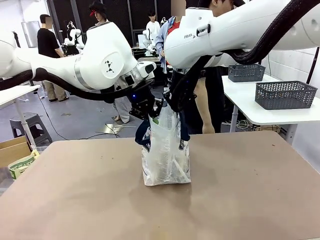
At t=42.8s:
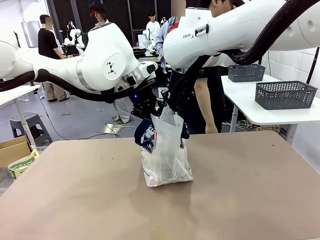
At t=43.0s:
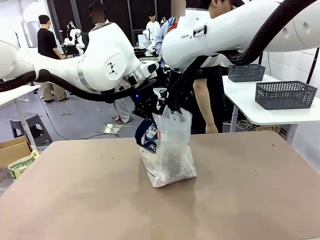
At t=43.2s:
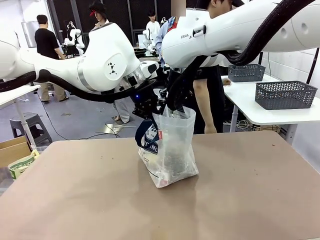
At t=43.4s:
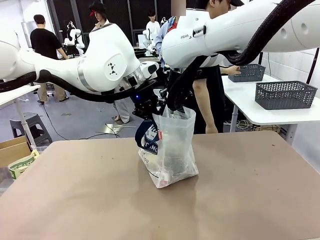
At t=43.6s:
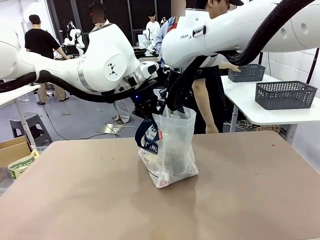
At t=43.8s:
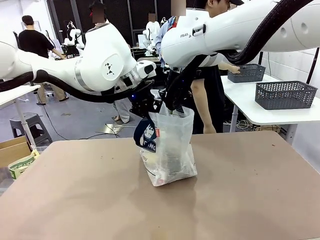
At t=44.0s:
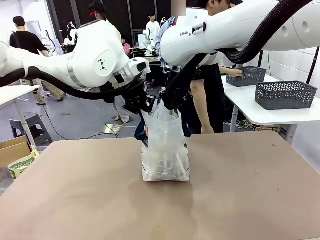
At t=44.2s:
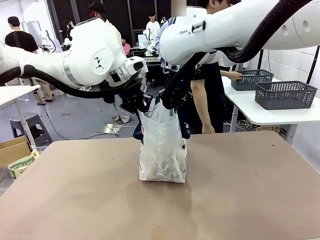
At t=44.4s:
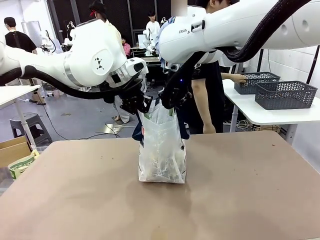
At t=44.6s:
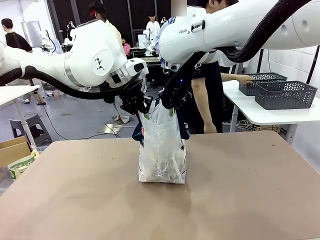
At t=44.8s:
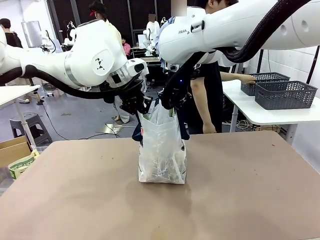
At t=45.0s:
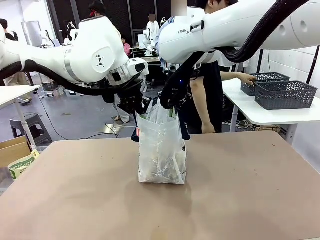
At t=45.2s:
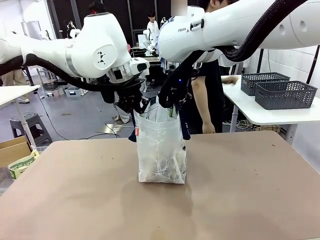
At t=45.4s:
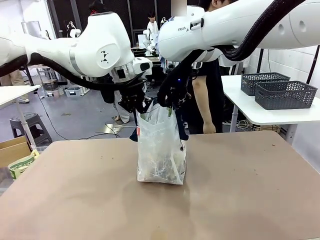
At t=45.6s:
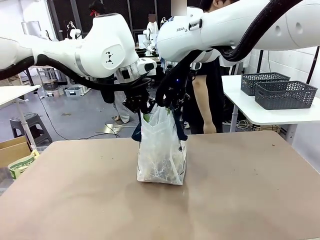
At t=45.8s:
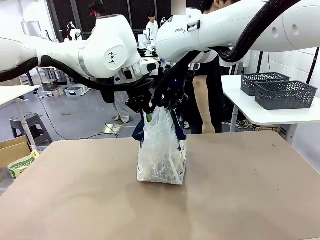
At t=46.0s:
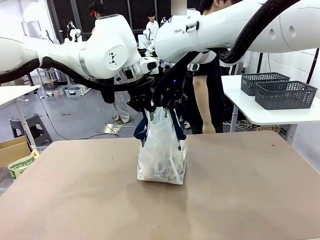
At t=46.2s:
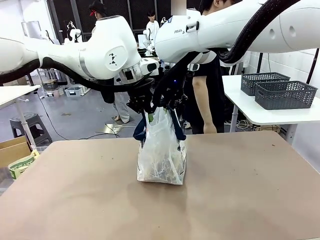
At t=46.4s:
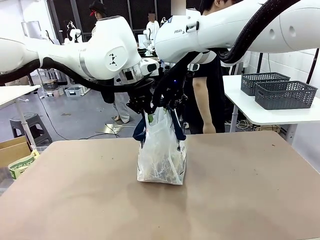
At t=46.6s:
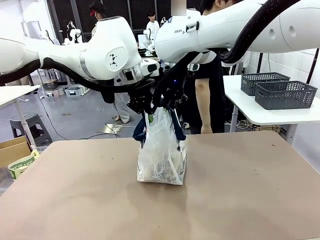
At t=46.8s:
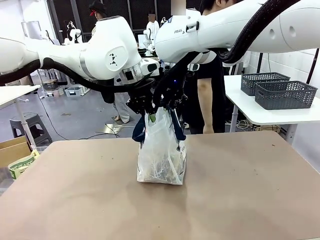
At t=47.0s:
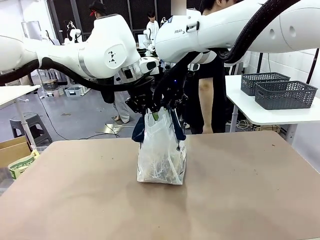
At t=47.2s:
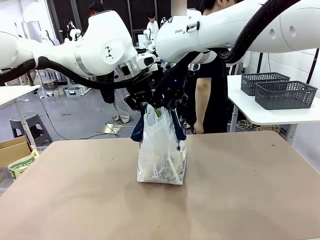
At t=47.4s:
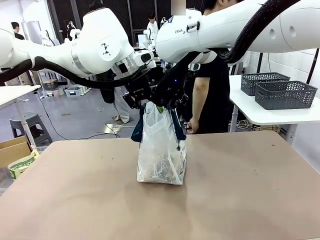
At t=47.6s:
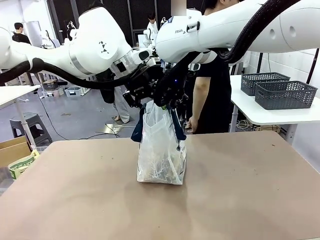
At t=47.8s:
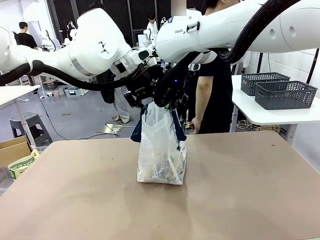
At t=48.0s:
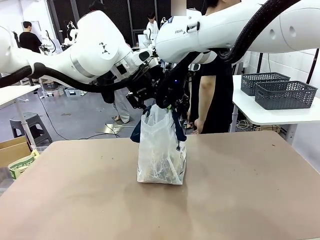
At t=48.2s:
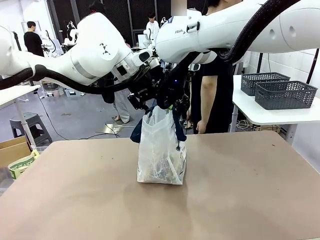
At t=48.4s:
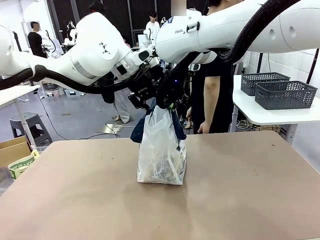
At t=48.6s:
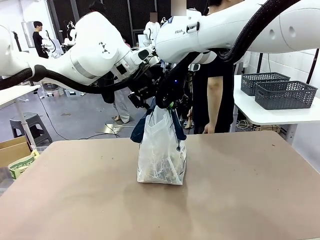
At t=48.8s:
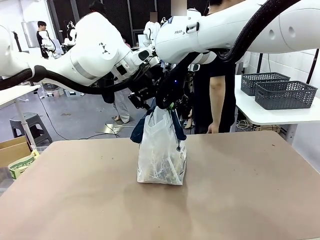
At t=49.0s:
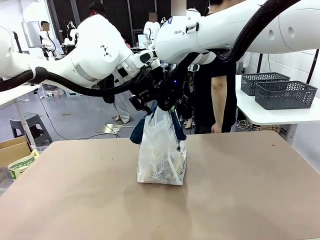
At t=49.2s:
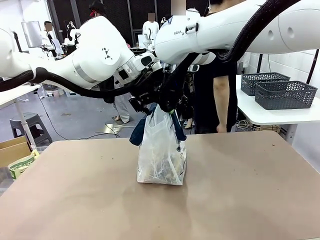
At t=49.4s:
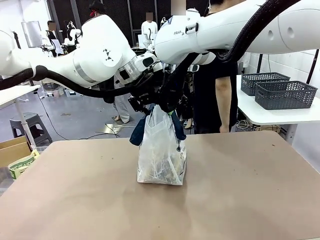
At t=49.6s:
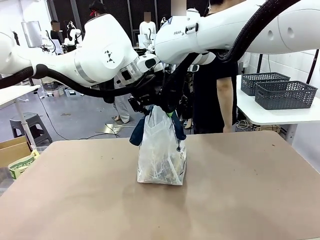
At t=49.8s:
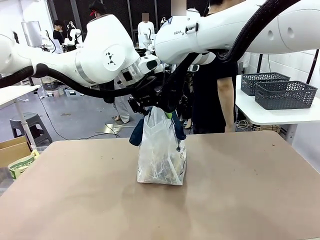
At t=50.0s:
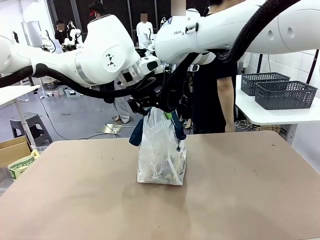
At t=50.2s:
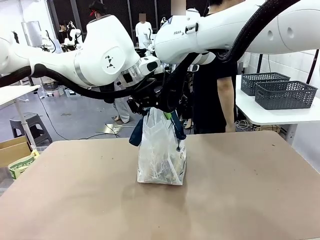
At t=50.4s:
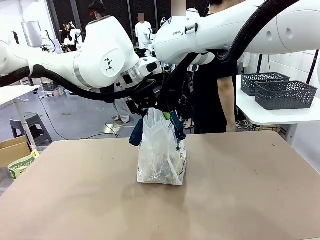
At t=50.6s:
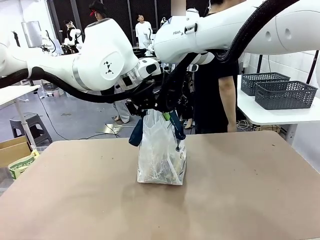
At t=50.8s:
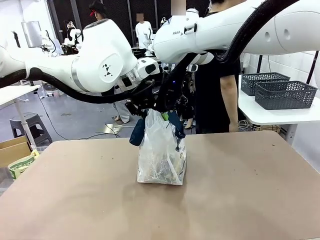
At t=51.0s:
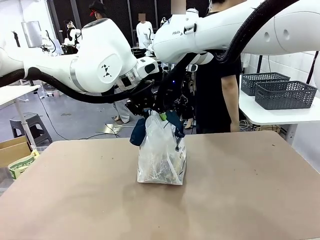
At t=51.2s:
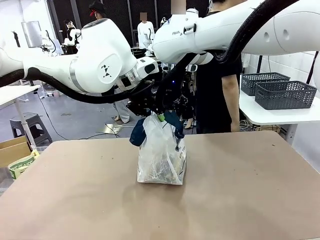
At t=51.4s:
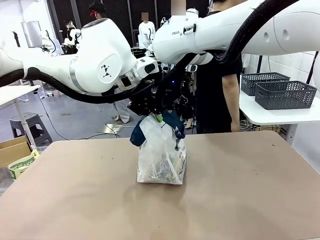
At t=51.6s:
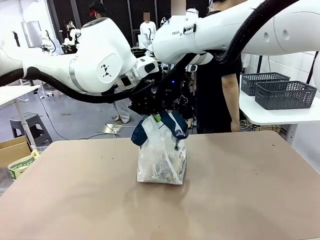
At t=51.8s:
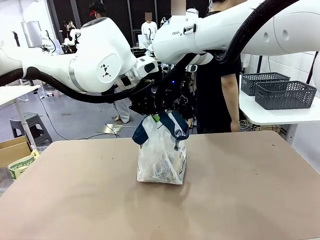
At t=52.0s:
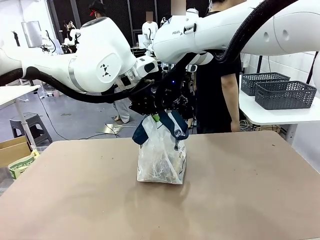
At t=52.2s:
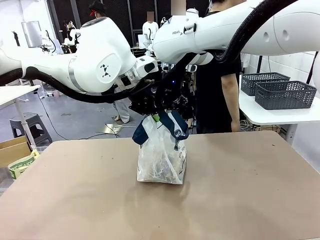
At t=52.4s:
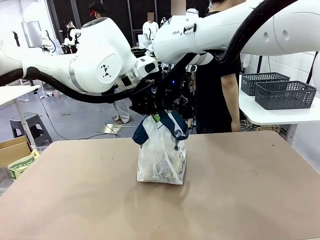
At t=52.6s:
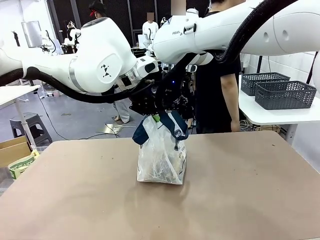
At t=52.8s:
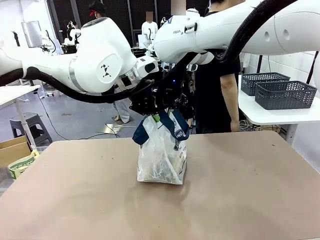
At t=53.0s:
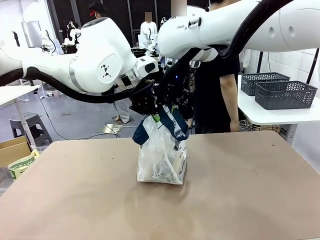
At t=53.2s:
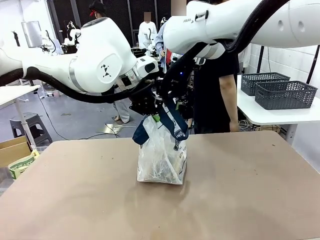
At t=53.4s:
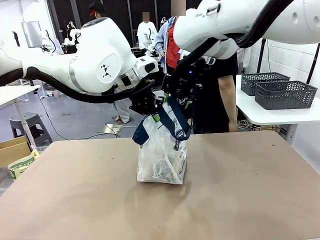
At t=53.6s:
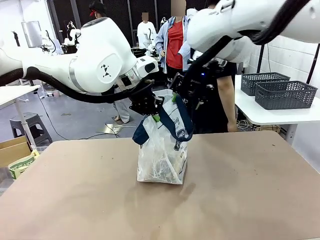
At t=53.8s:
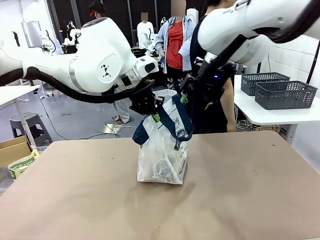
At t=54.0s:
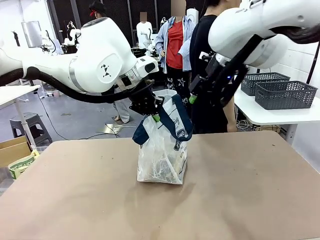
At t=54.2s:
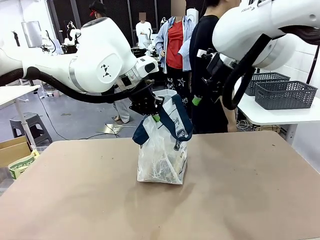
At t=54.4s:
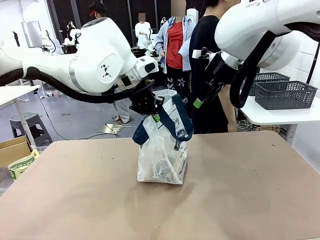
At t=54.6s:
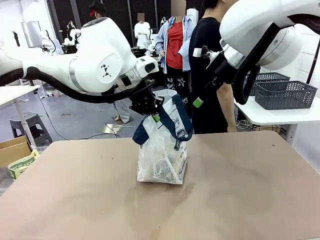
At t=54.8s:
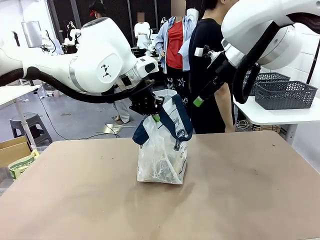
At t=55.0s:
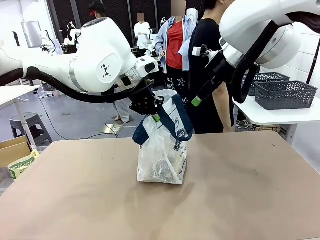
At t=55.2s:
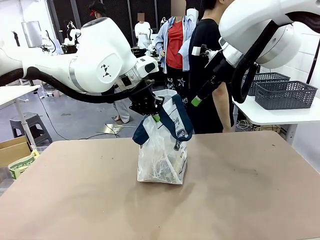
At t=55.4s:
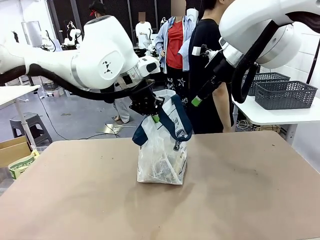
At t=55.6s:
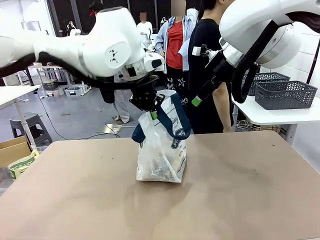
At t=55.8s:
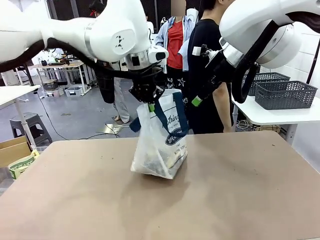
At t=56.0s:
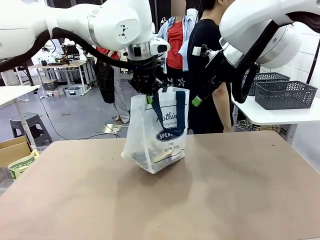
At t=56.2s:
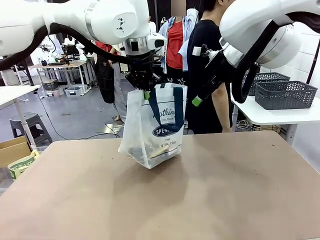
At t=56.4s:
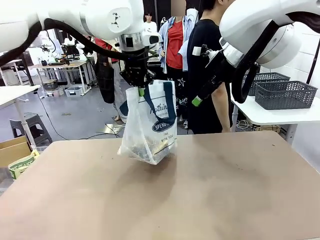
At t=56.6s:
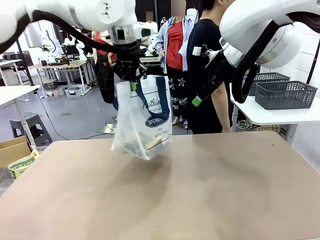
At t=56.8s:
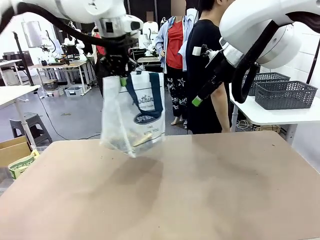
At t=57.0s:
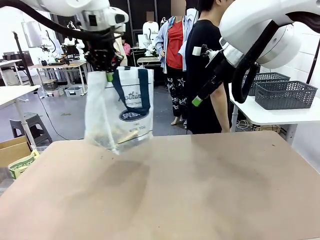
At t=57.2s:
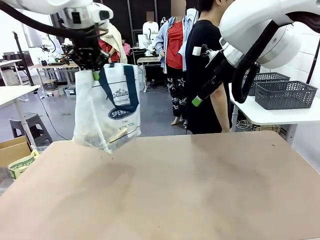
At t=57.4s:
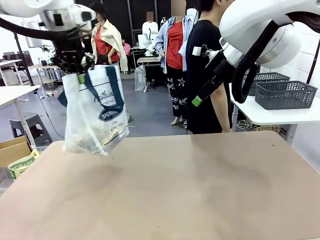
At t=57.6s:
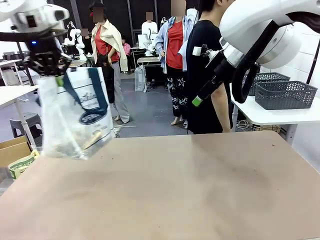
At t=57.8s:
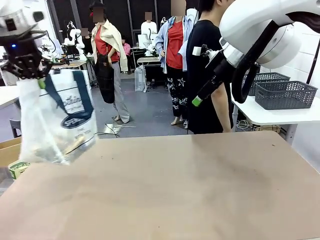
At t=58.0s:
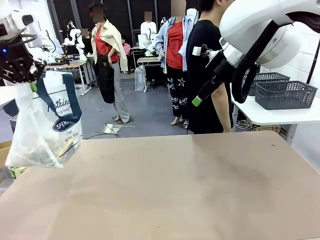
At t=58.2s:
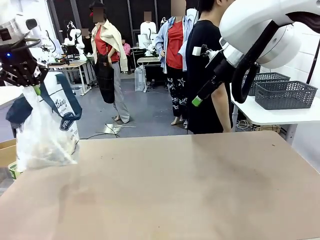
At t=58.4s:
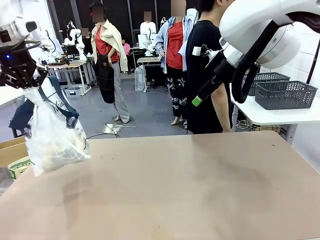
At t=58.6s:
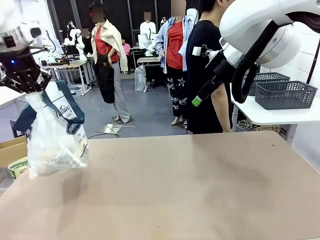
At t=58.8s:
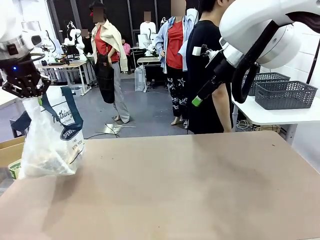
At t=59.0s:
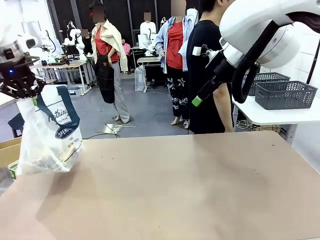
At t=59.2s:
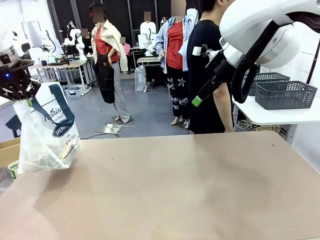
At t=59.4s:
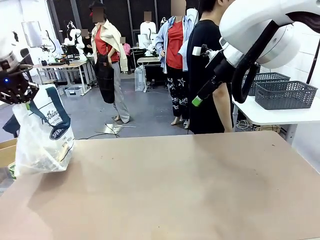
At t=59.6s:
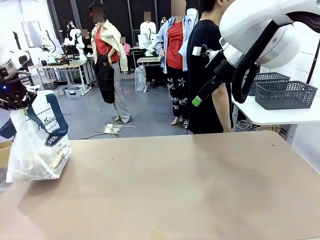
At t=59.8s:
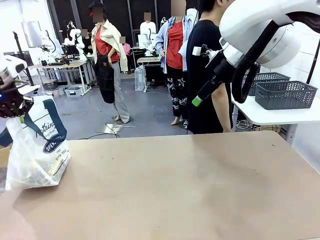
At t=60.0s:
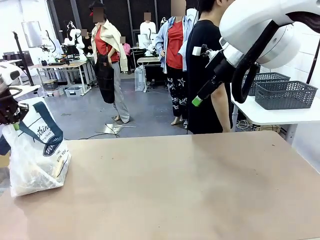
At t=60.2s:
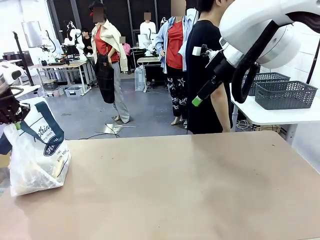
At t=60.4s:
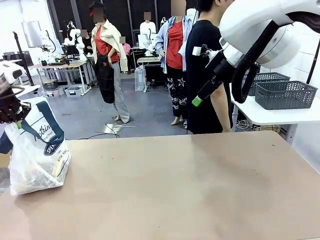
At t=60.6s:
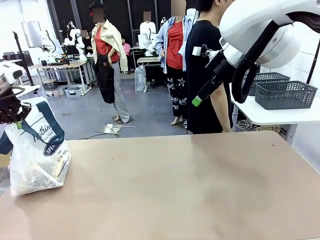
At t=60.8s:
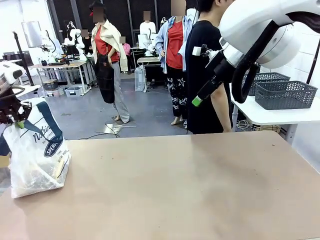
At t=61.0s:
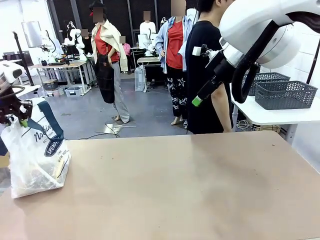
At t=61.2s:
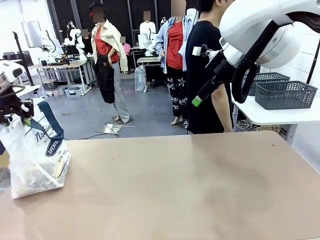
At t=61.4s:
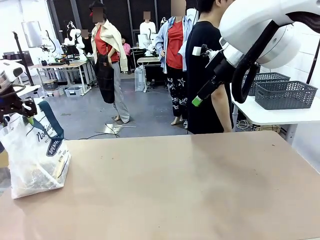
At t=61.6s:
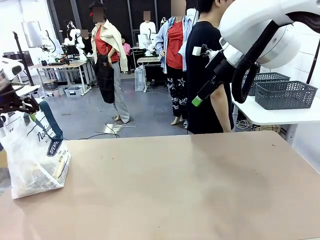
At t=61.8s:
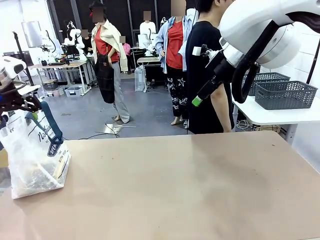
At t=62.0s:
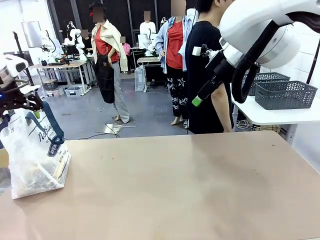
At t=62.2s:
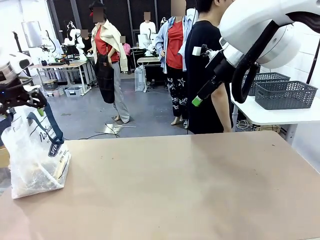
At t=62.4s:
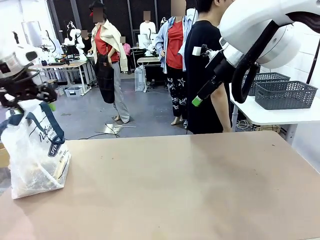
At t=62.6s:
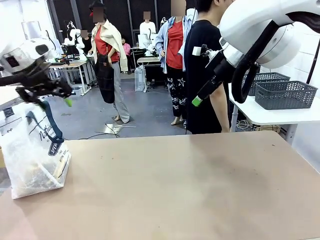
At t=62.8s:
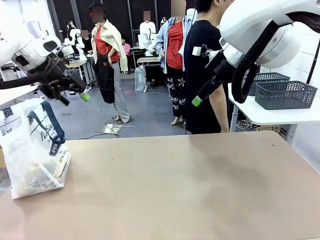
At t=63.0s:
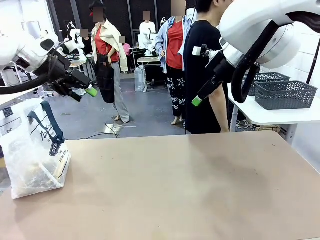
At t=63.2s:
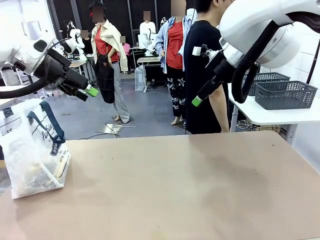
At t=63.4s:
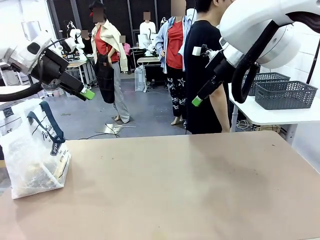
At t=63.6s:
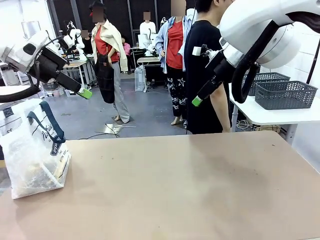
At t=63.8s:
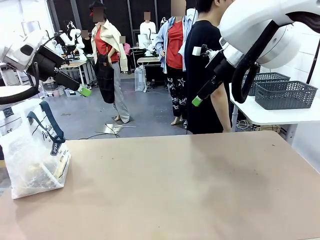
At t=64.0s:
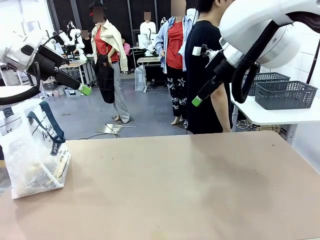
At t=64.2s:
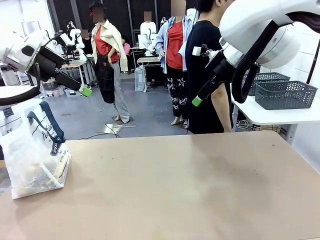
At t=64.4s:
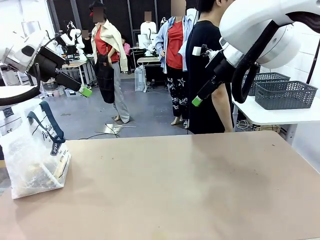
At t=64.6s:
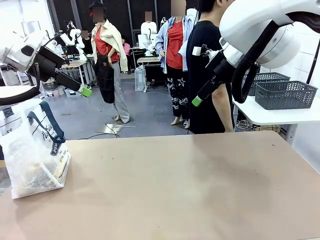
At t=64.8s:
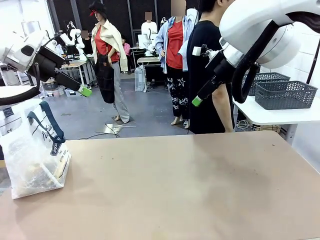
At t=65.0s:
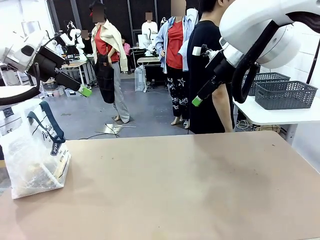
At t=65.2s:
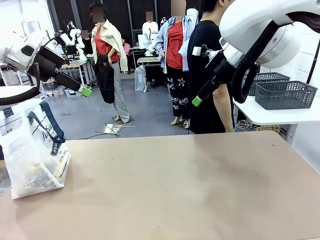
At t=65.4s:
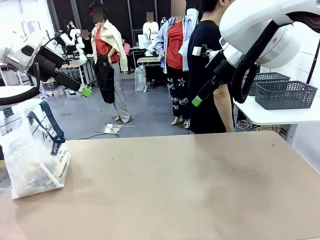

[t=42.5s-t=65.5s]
Task: Transfer purchased items from the store into the shopping bag.
Robot: Move the Reusable shopping bag to the right side of the table.
Person: Move the basket on the left to the middle of the person's table.
